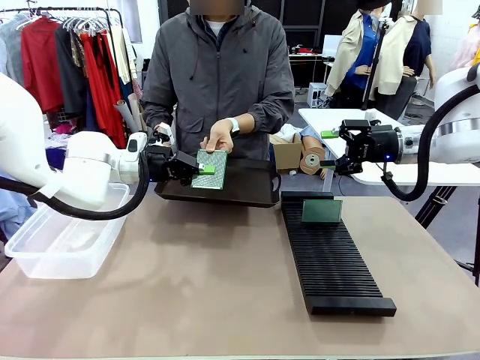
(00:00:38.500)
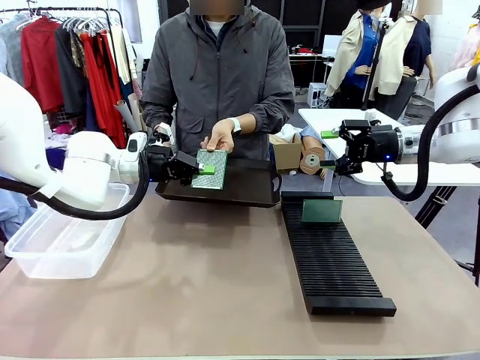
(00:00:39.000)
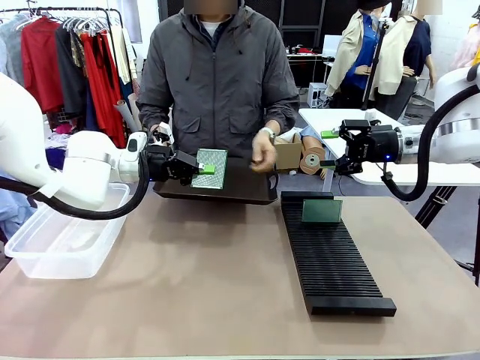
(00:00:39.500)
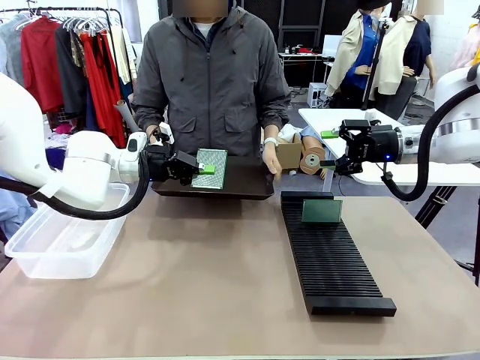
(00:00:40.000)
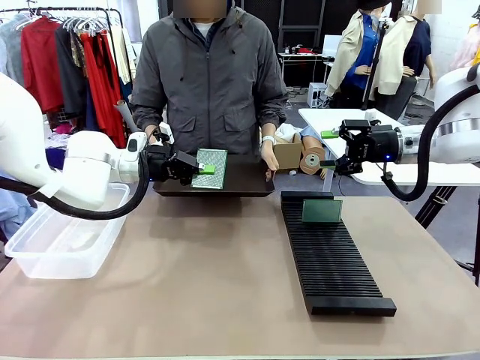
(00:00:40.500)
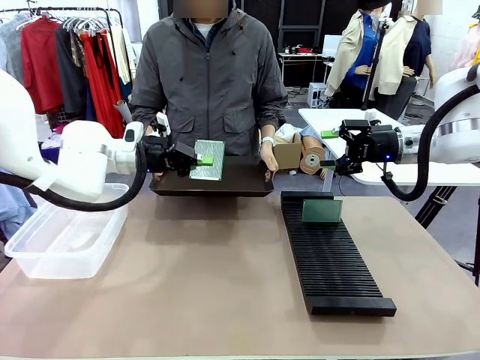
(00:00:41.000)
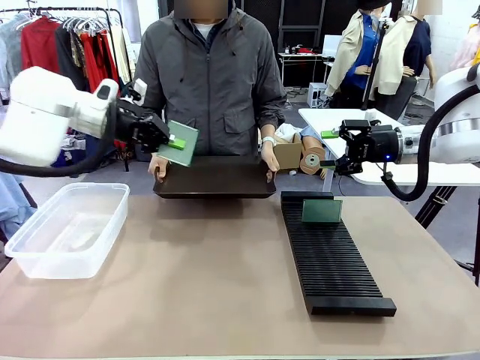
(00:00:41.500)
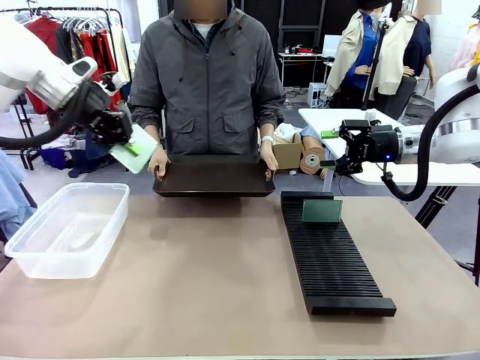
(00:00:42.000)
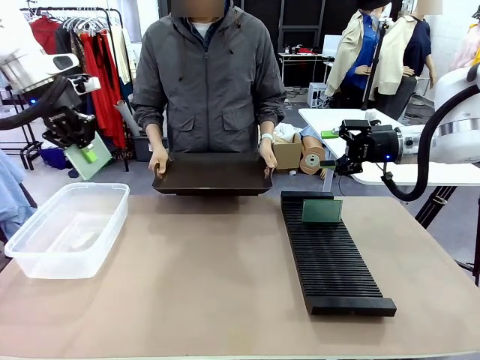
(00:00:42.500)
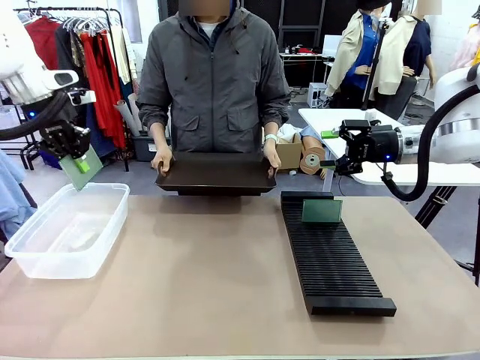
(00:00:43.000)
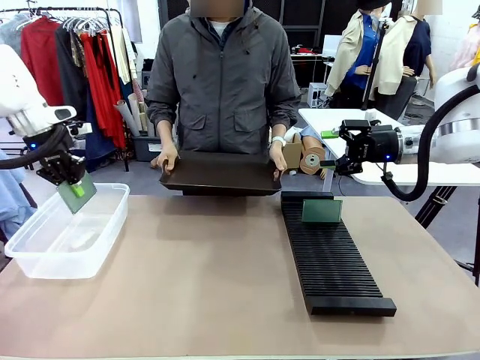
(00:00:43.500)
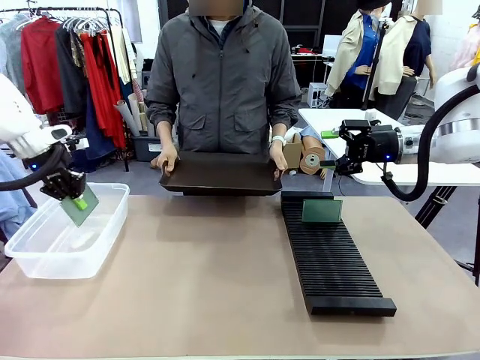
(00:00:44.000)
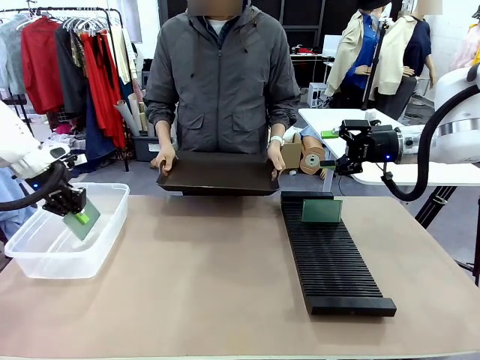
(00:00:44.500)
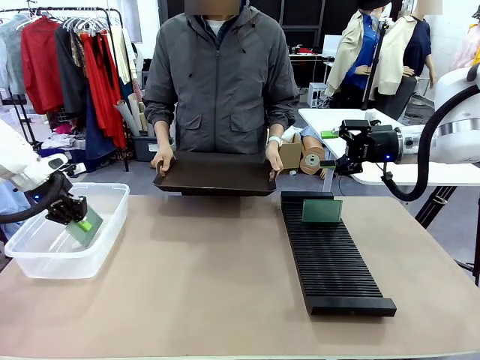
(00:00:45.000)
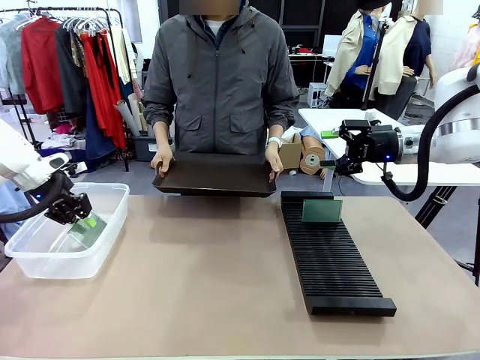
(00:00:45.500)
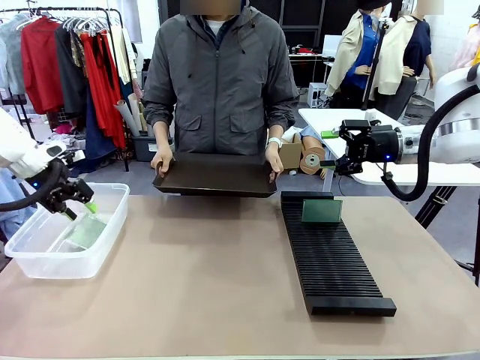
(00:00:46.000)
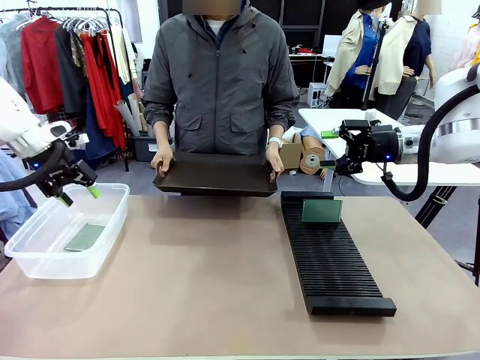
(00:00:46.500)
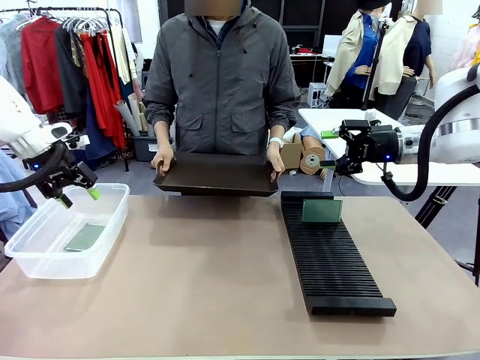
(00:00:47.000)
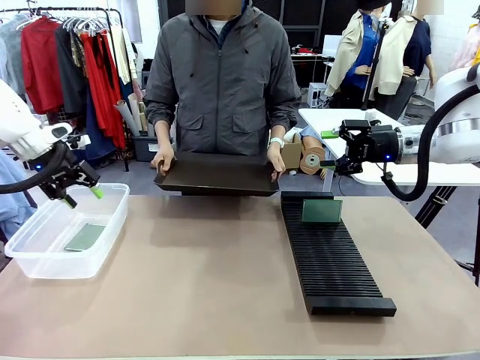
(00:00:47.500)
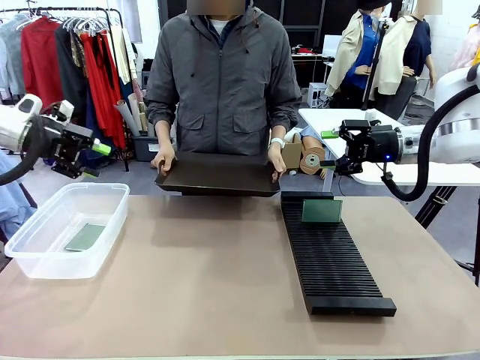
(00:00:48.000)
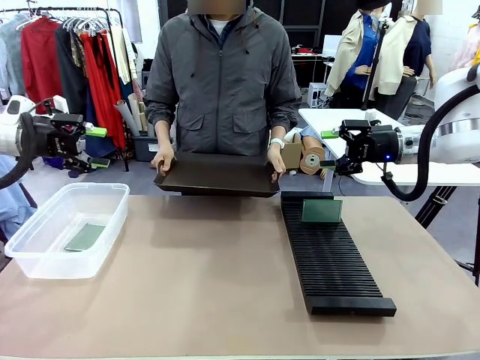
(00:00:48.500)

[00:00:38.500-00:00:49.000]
Task: Sort PCBs into racks and boxes based on the side picked up.
Robot: If the short side of the Blank PCB is picked up, insert it into the PCB Rack ; if the long side is picked up, place it in the Organizing box.
Person: Release the PCB being held.

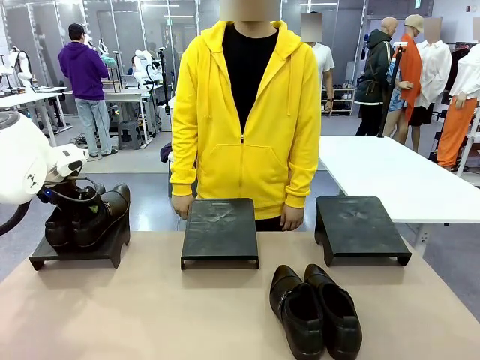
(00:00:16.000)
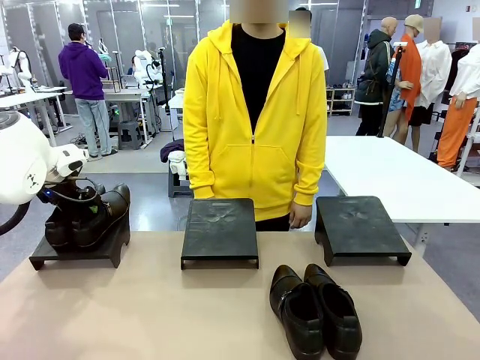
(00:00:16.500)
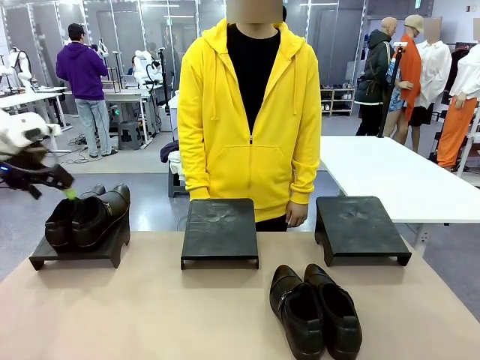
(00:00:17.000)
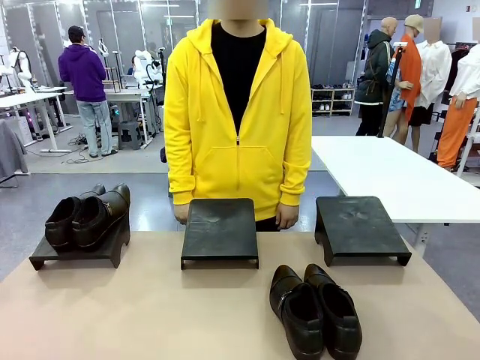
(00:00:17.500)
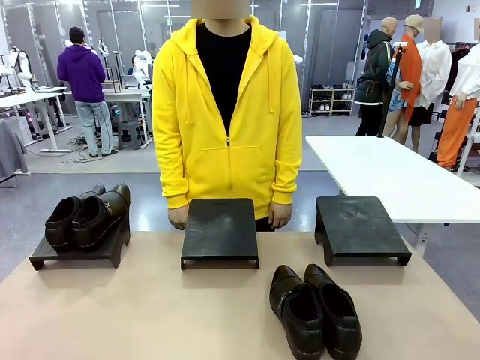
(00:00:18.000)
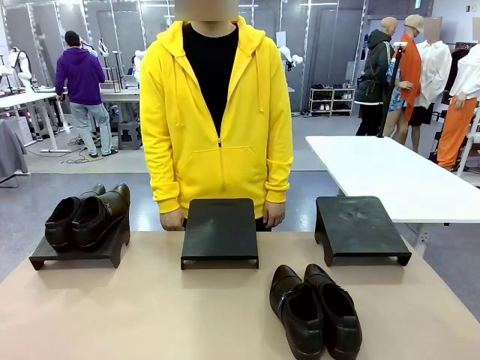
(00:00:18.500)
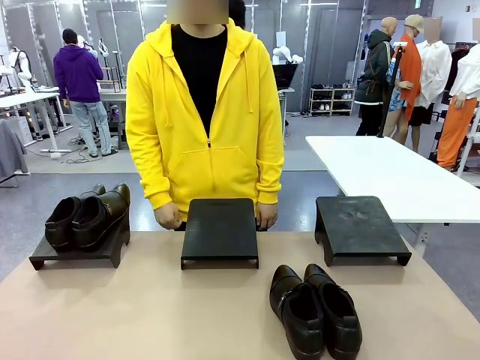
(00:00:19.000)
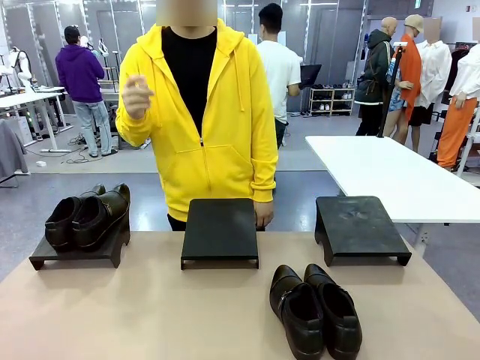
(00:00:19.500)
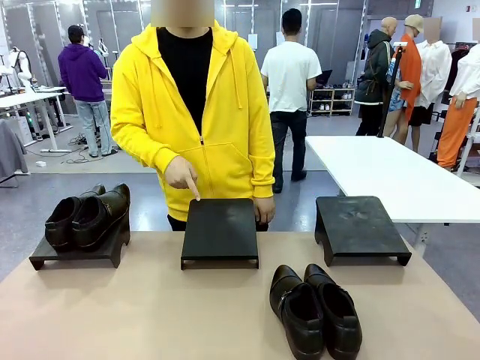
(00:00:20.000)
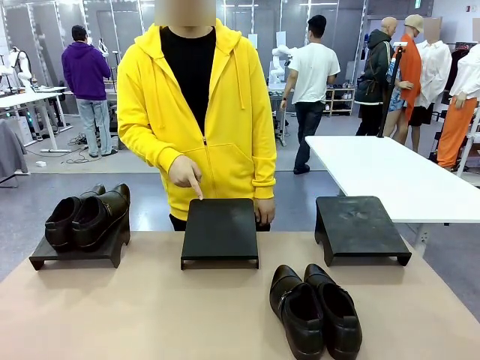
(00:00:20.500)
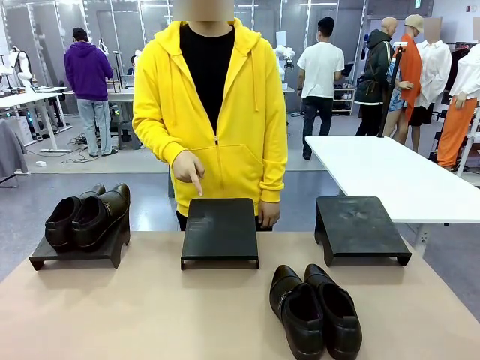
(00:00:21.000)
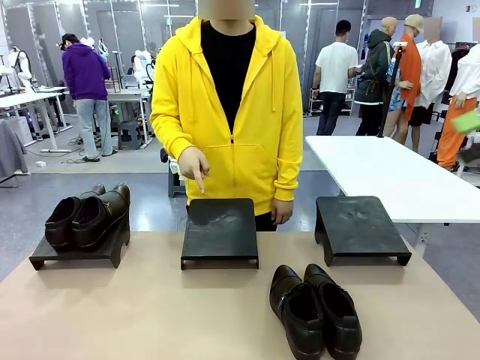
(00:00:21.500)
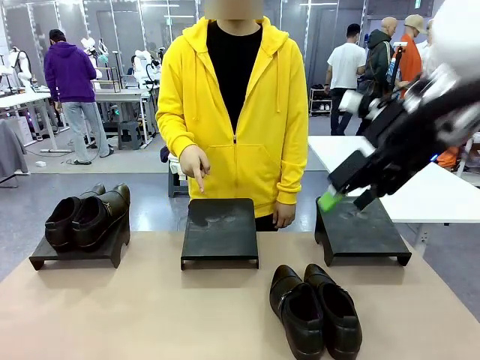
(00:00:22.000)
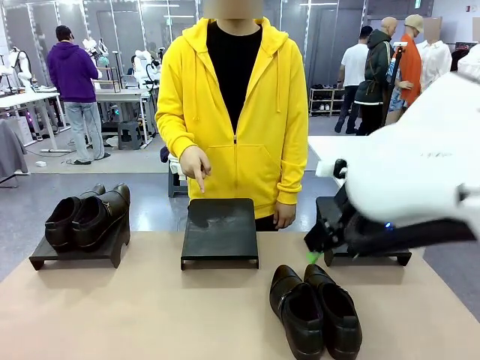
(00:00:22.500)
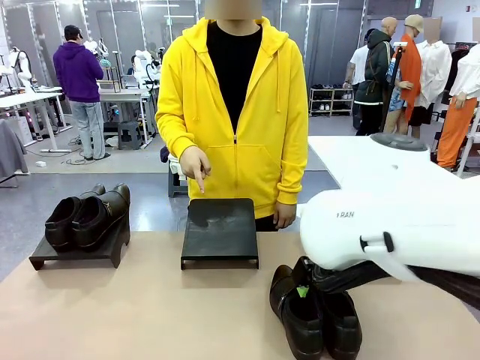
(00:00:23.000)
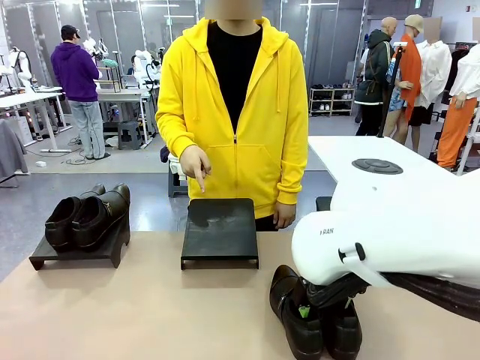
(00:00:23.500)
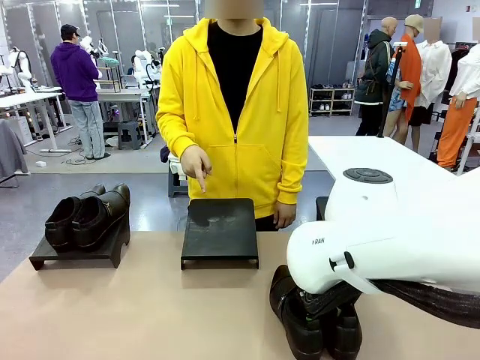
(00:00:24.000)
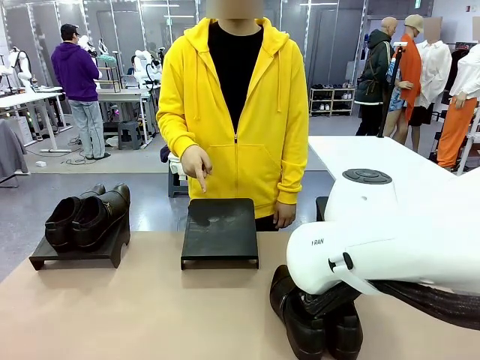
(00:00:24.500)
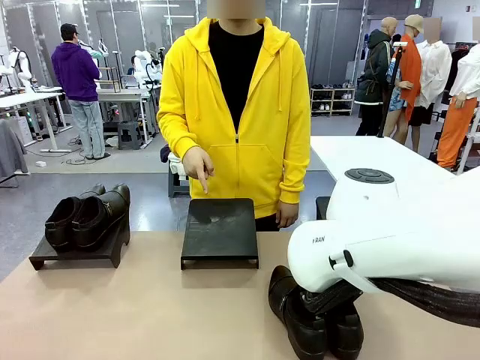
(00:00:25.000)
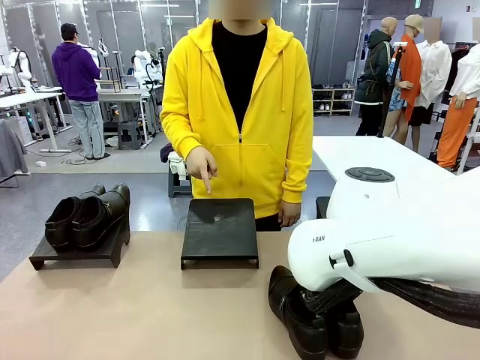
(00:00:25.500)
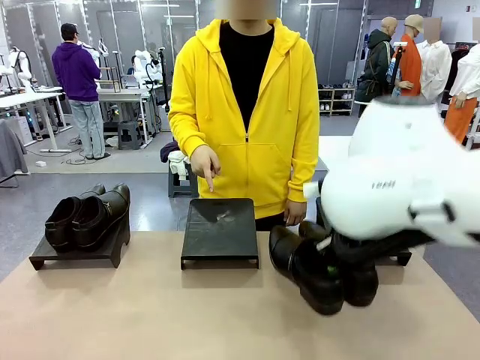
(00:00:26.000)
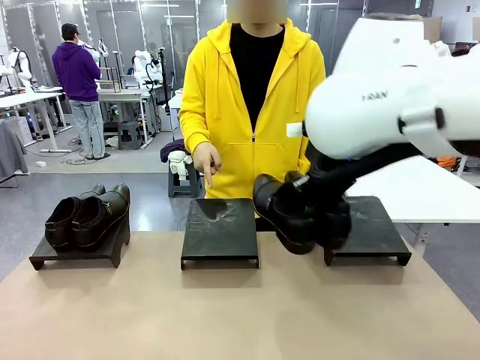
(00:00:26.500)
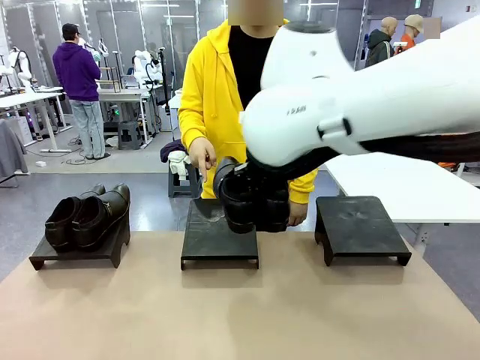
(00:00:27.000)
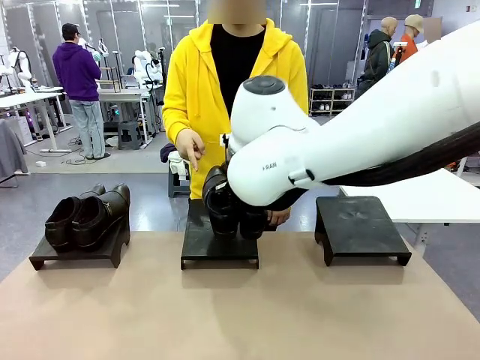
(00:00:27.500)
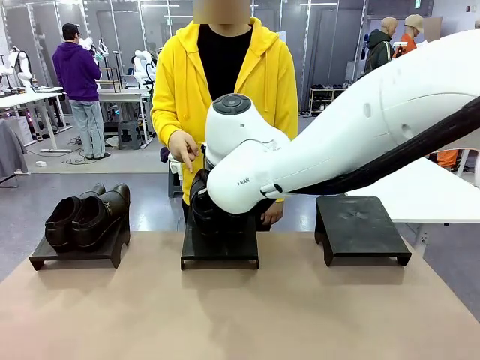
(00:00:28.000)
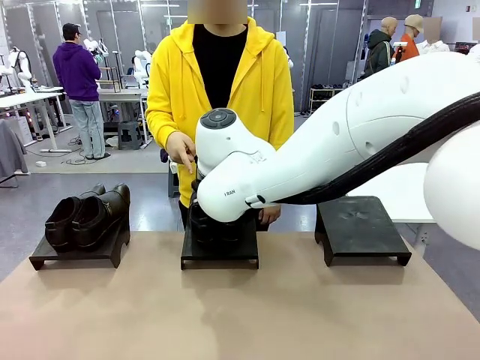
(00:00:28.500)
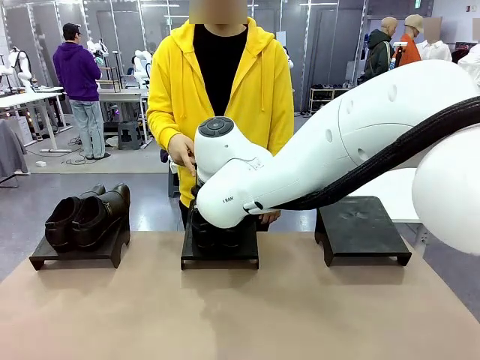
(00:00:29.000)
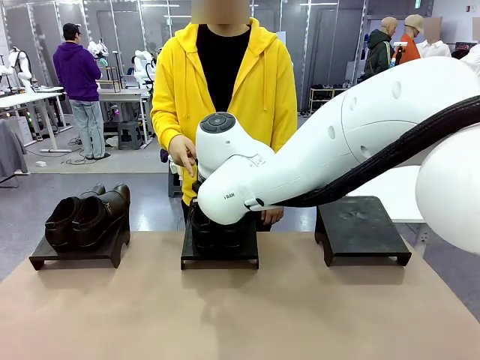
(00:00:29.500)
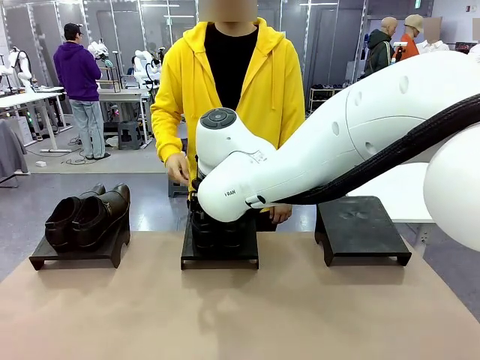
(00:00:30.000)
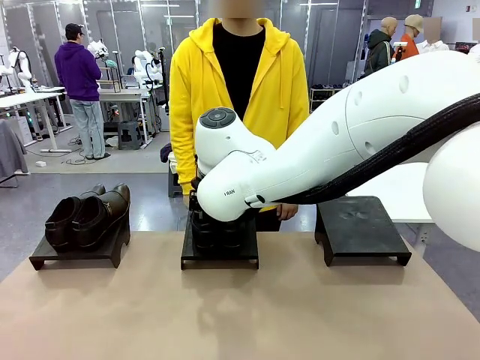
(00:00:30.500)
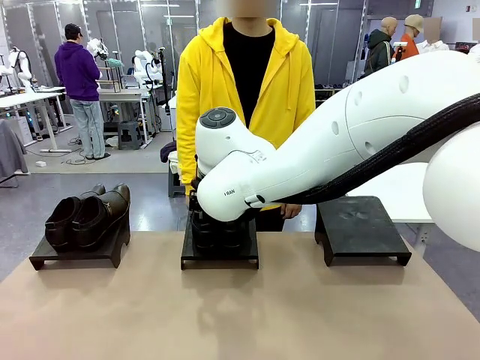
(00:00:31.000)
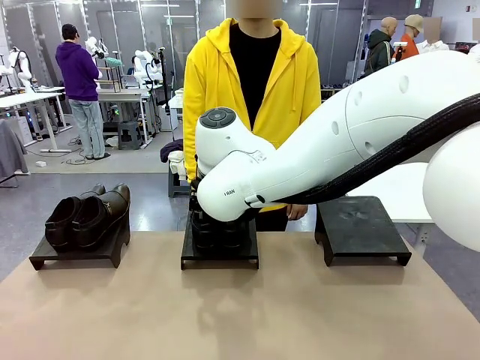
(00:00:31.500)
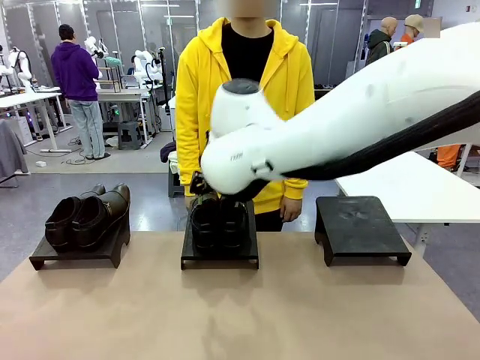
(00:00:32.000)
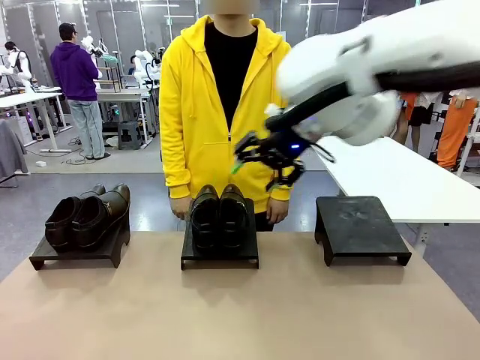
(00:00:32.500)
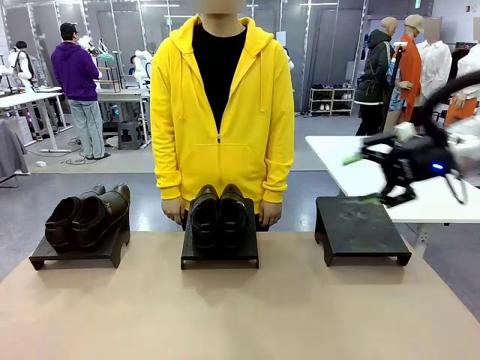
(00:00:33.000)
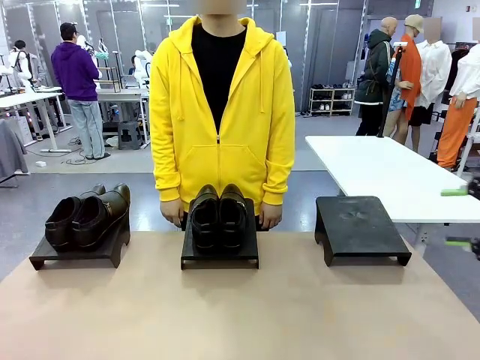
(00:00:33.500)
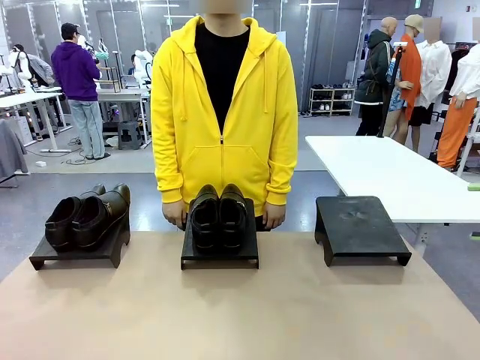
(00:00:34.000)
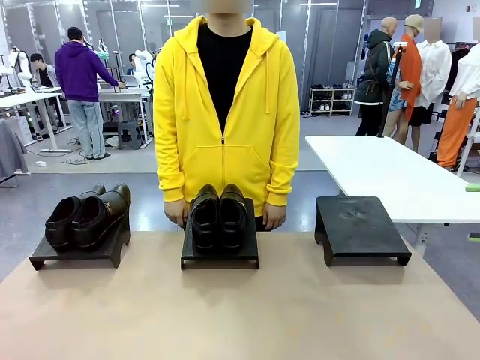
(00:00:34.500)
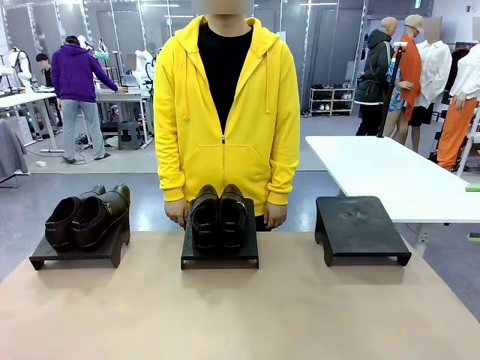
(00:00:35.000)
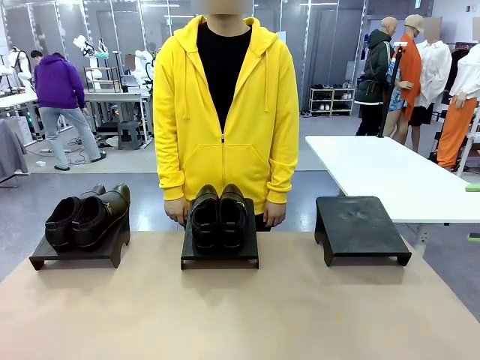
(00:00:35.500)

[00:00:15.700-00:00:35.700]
Task: Place the shoes on the stand as instructed by the person.
Robot: Pick up another pair of Shoes and place it on the Shoes Stand indicated by the person.
Person: Point to one Shoes Stand.
